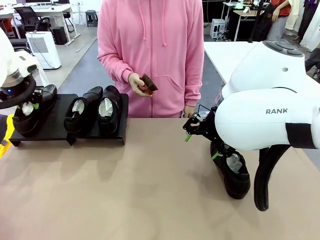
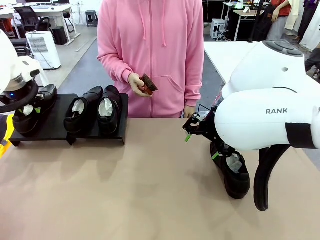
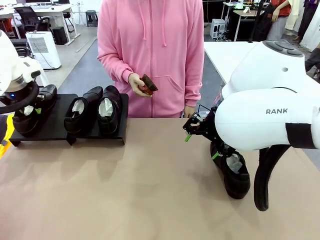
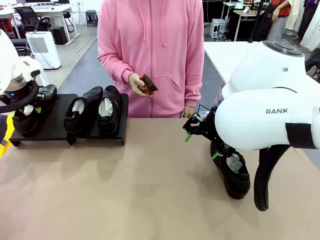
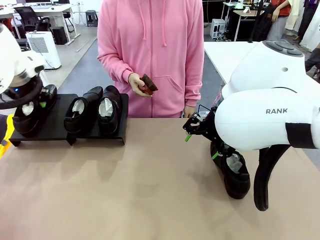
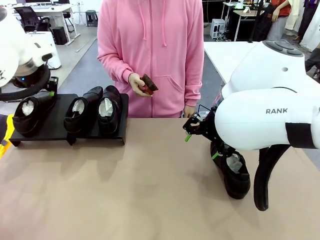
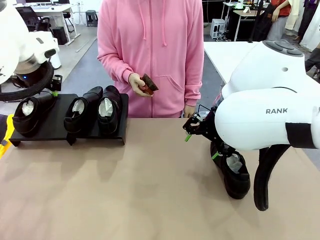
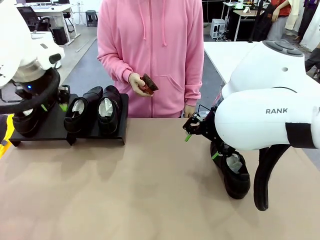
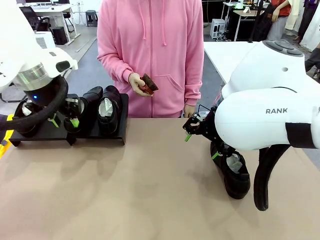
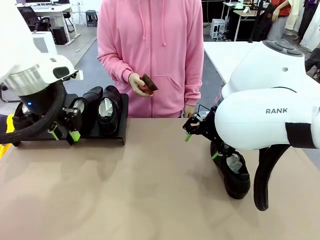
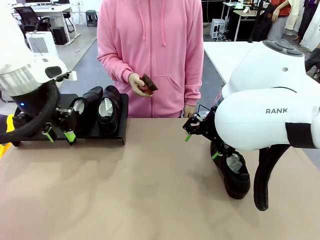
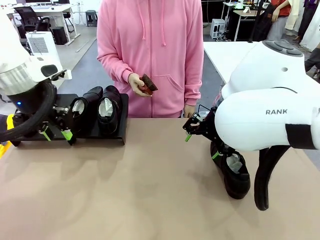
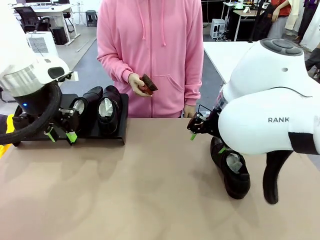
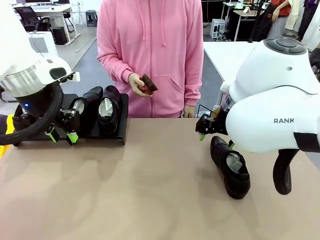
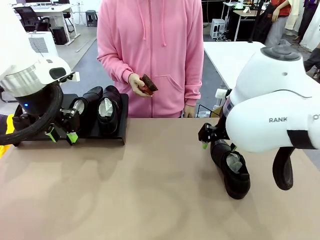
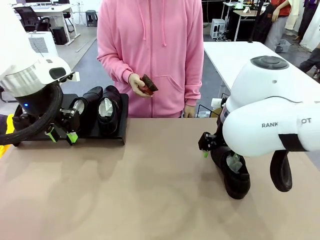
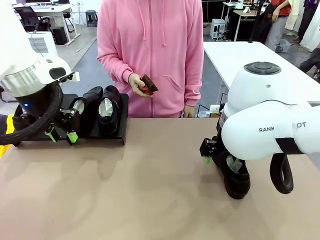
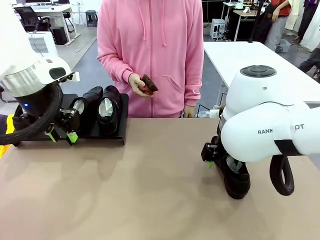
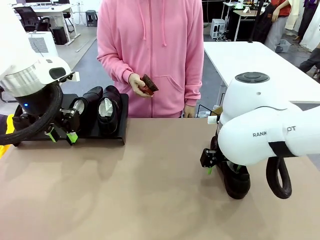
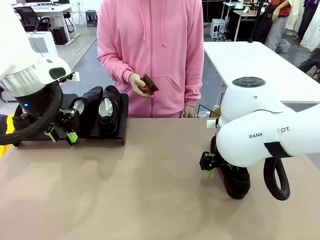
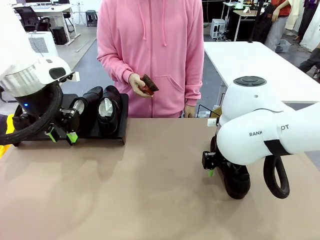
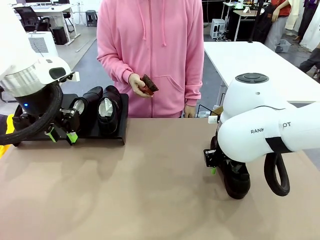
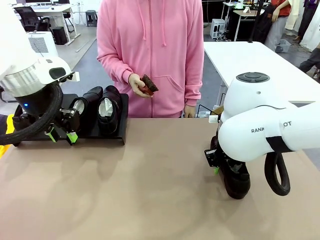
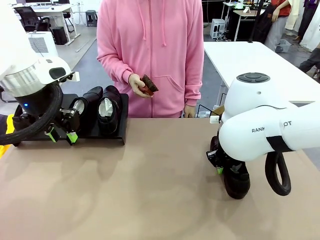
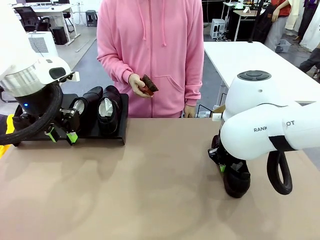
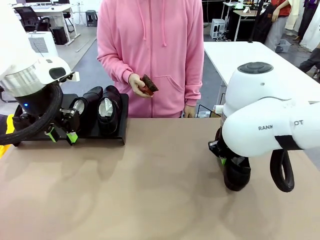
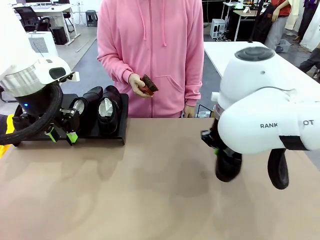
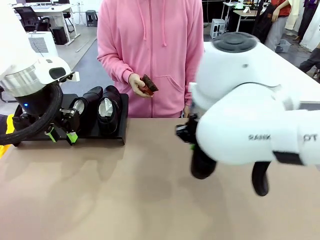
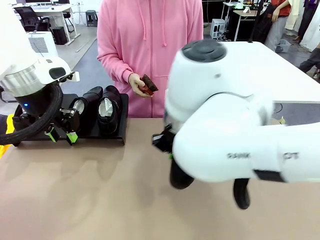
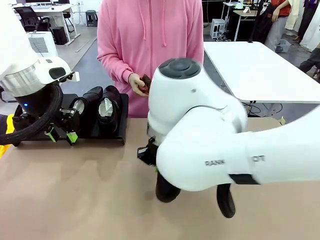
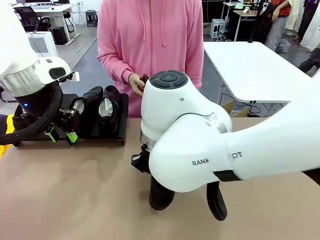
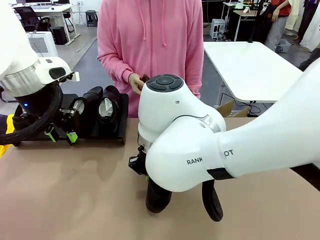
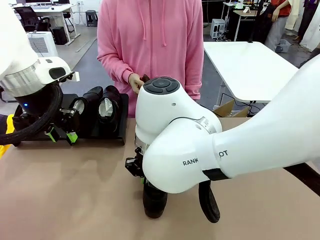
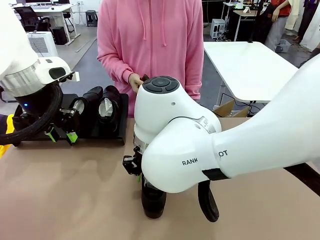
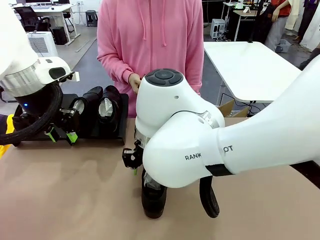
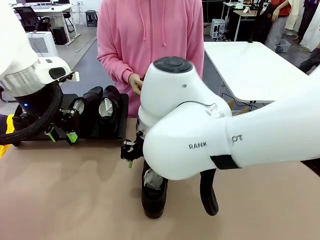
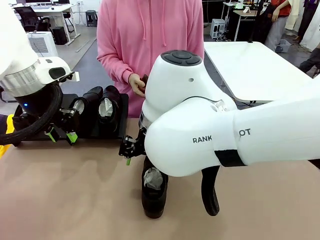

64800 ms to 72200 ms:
Task: Organize the shoes by placing them on the stand.
Robot: Pick up one Shoe and place it in the middle of the table.

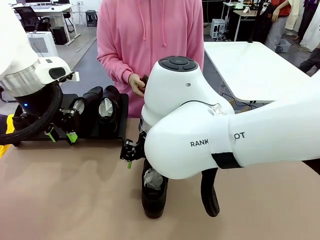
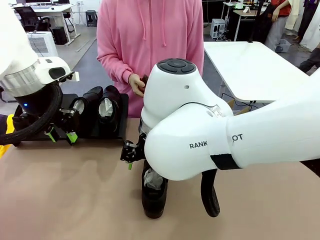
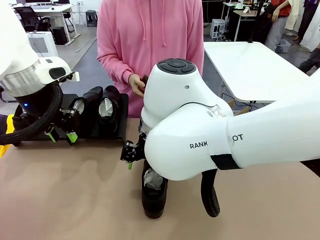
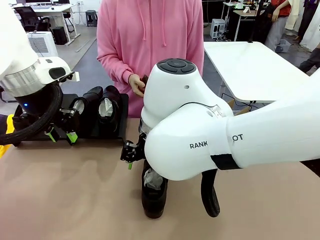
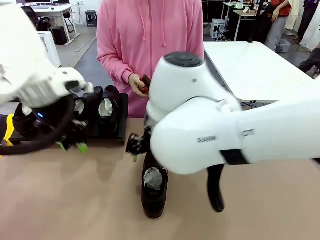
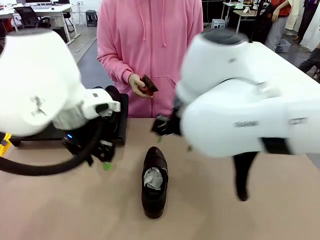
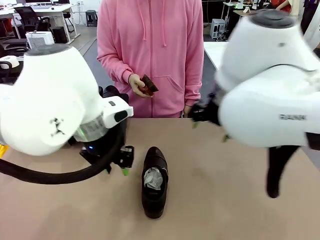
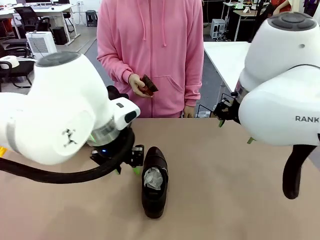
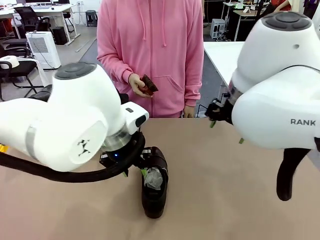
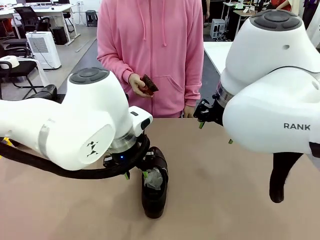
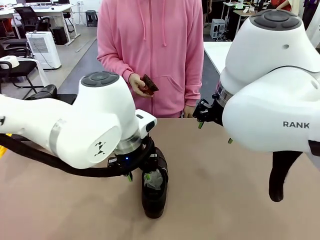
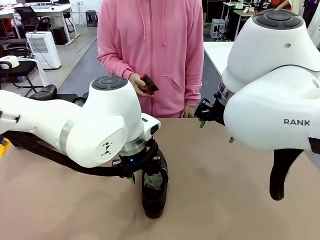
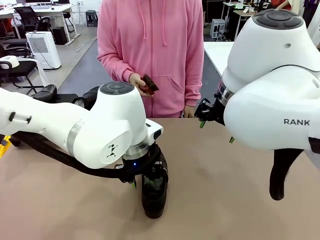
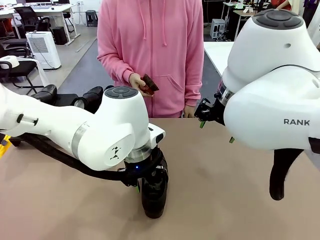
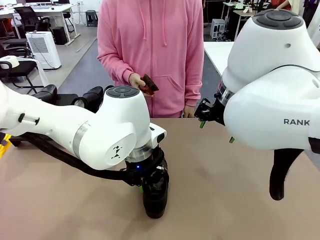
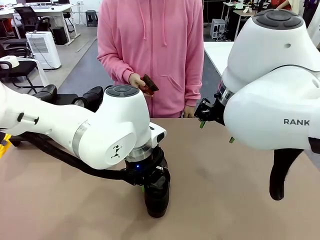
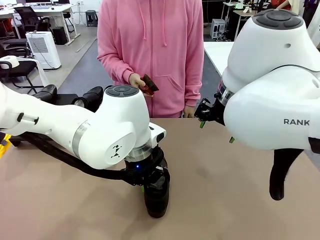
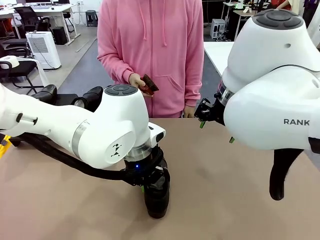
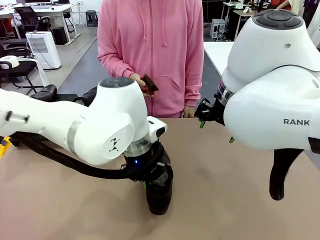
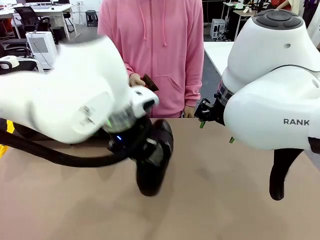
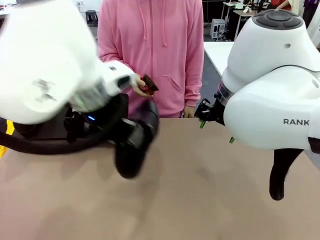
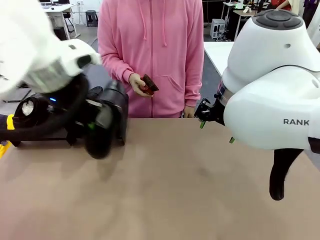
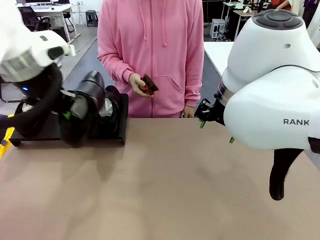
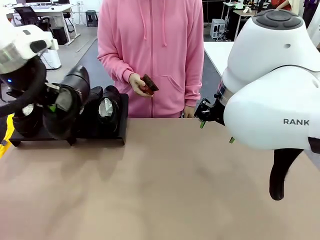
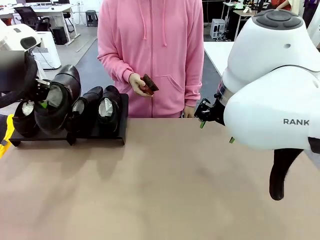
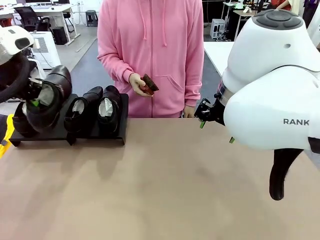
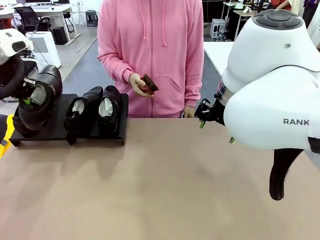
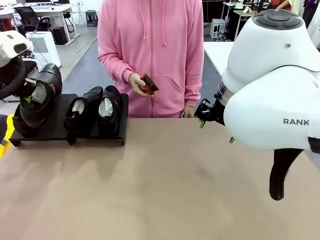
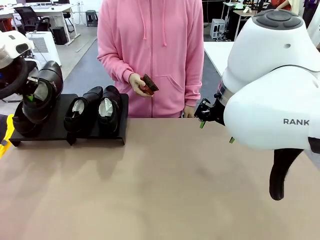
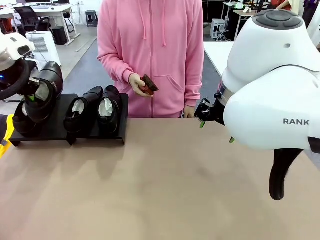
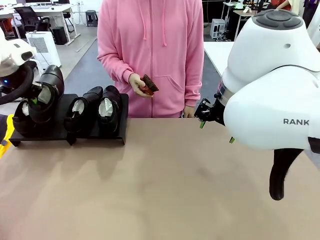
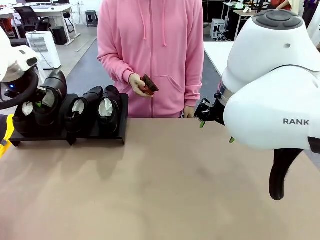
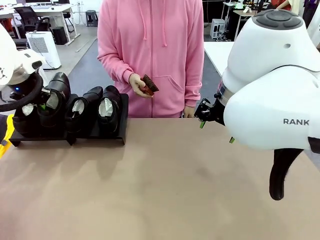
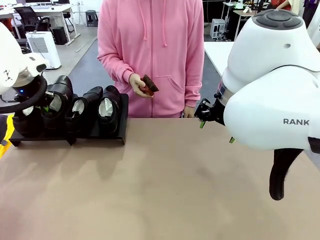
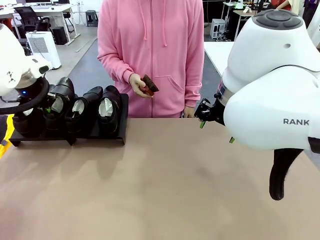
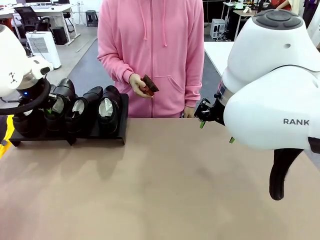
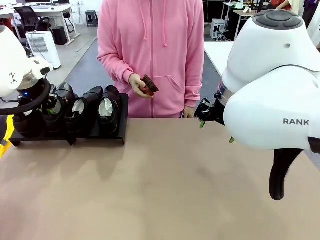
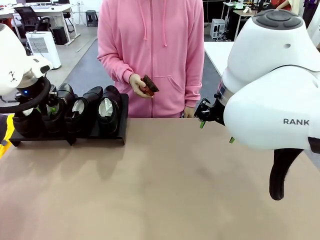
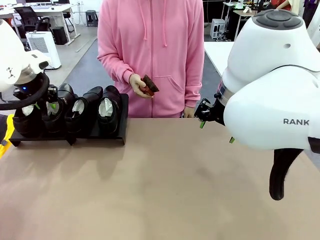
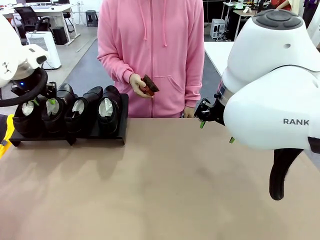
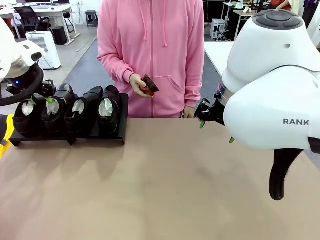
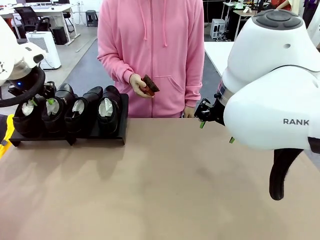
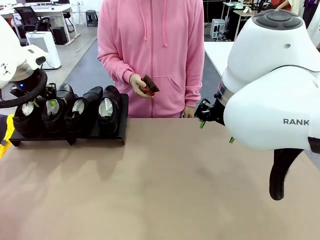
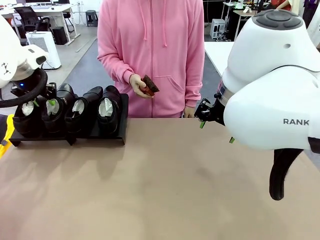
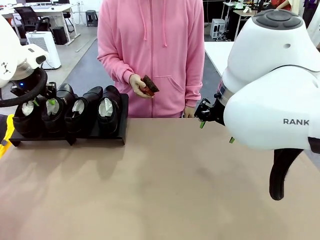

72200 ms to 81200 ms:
Robot: Place the Shoe from the middle of the table onto the Shoes Stand.
